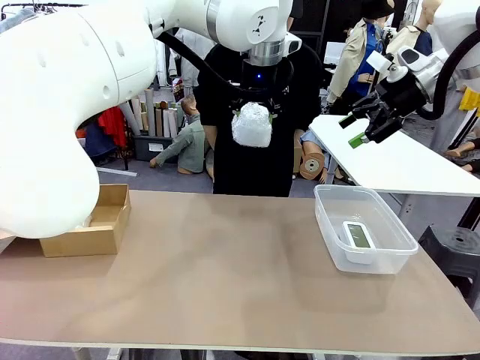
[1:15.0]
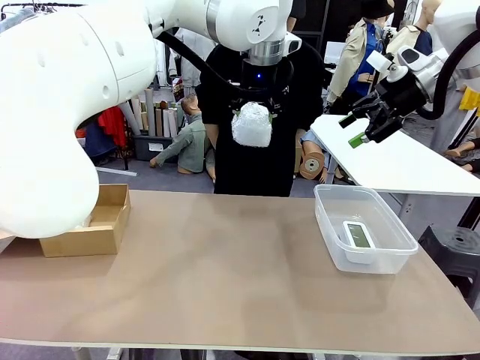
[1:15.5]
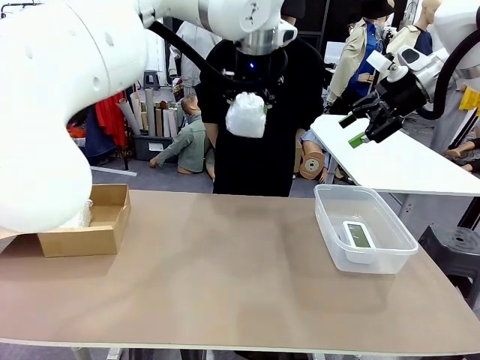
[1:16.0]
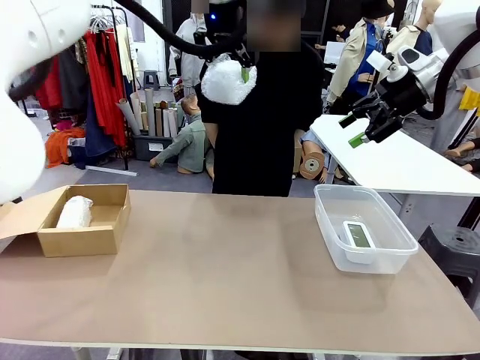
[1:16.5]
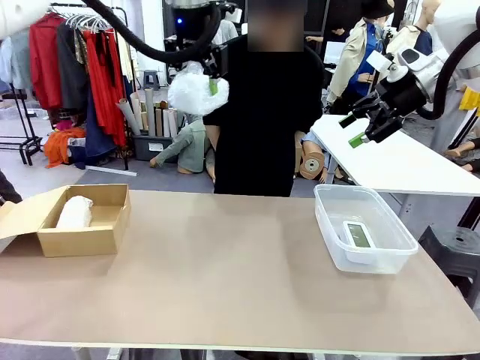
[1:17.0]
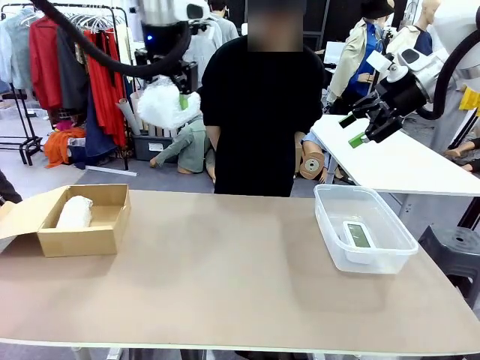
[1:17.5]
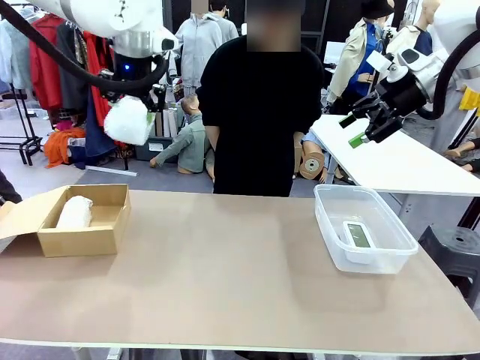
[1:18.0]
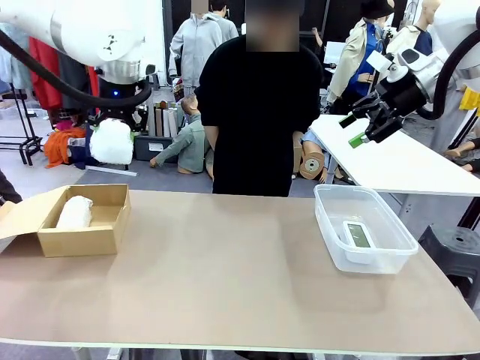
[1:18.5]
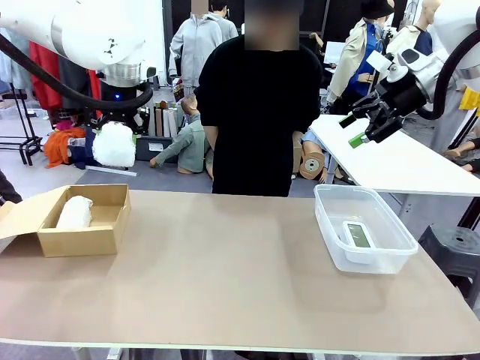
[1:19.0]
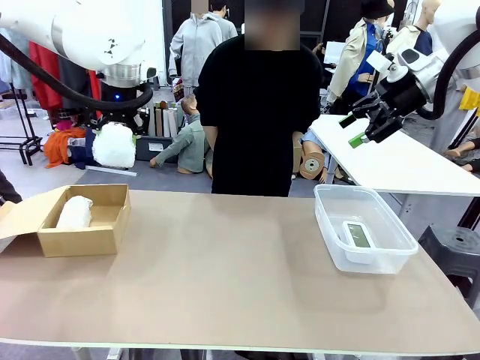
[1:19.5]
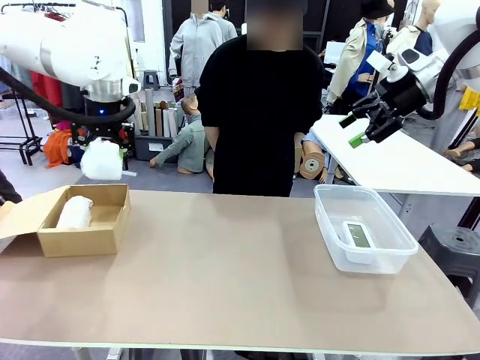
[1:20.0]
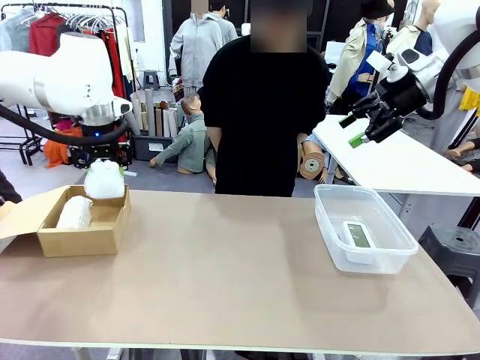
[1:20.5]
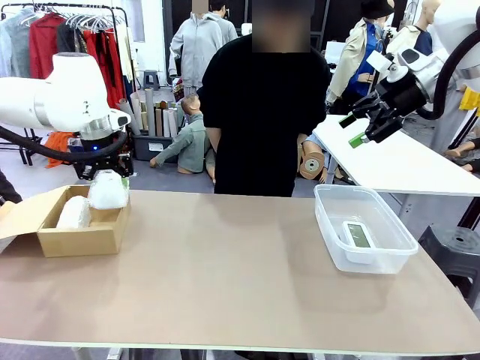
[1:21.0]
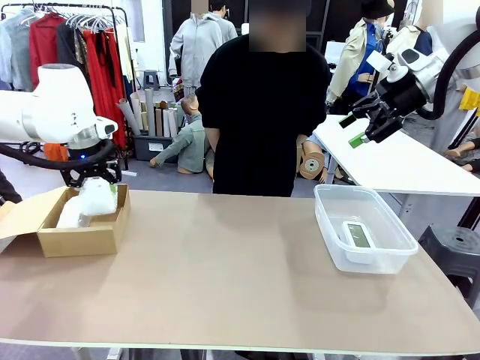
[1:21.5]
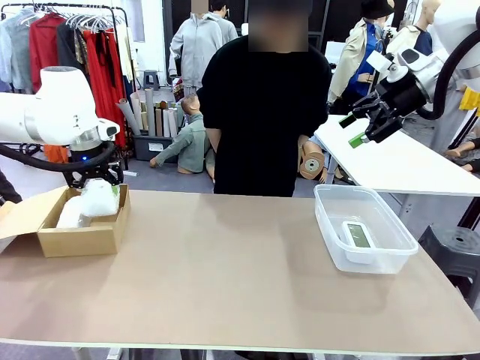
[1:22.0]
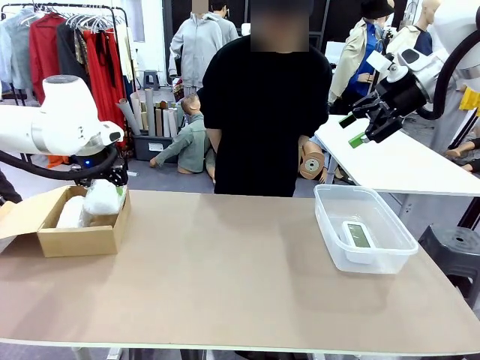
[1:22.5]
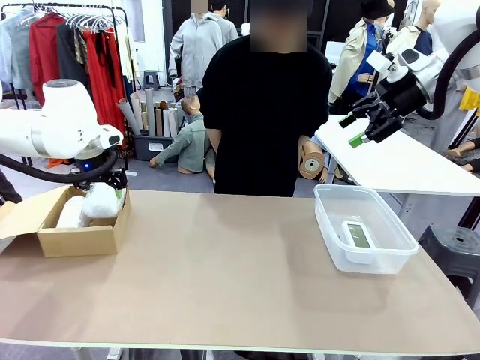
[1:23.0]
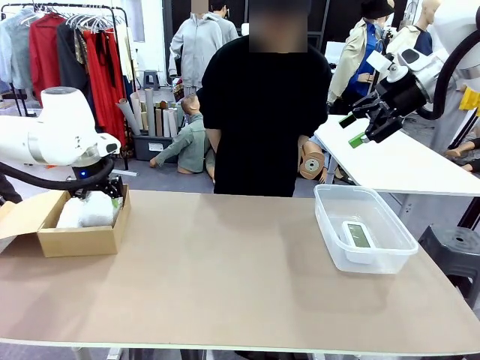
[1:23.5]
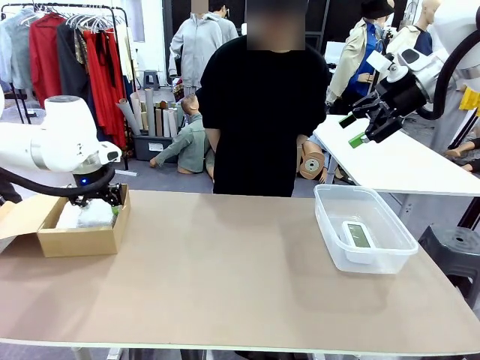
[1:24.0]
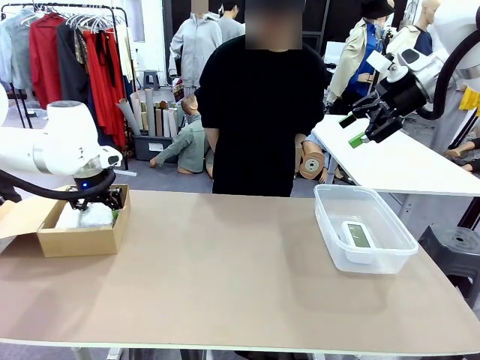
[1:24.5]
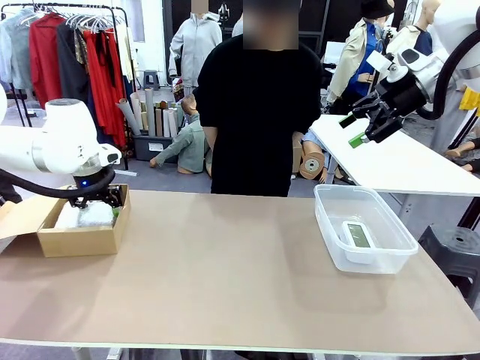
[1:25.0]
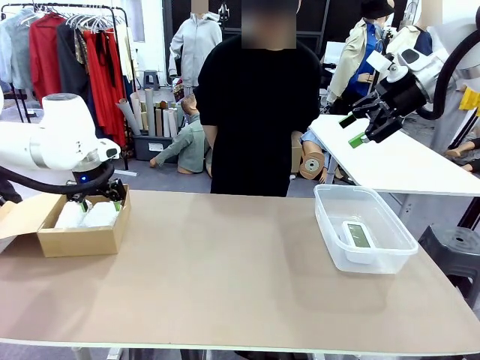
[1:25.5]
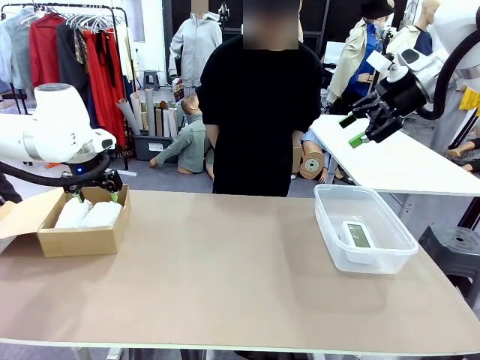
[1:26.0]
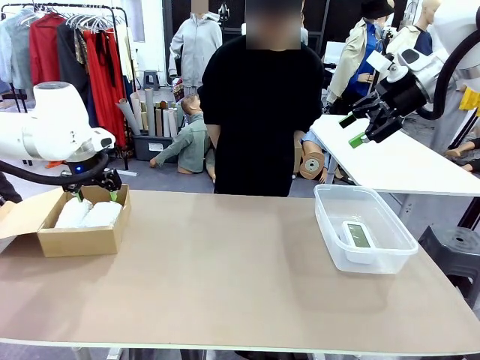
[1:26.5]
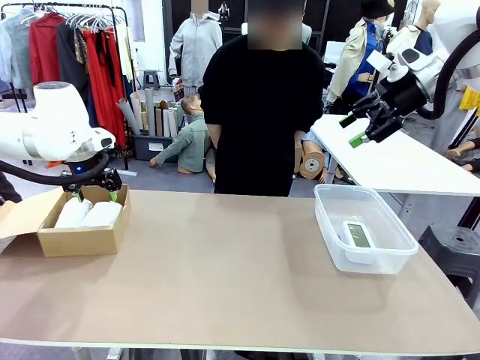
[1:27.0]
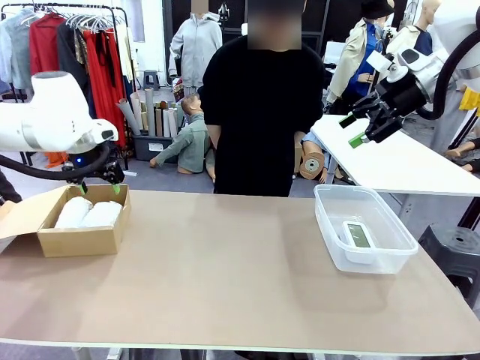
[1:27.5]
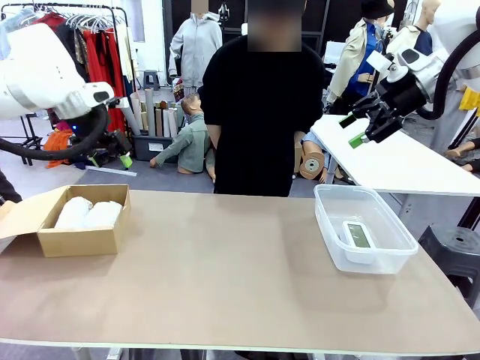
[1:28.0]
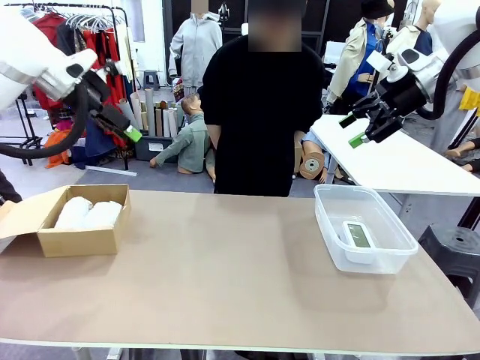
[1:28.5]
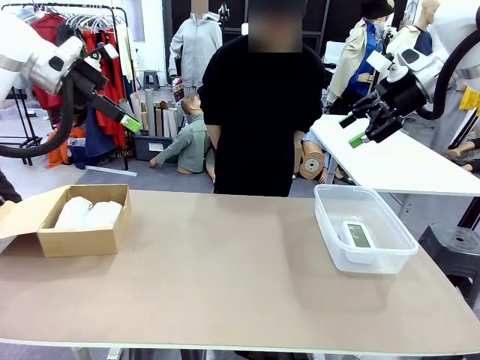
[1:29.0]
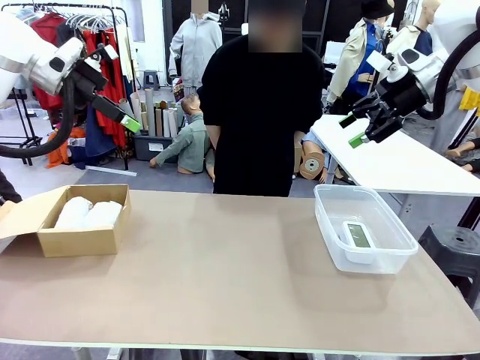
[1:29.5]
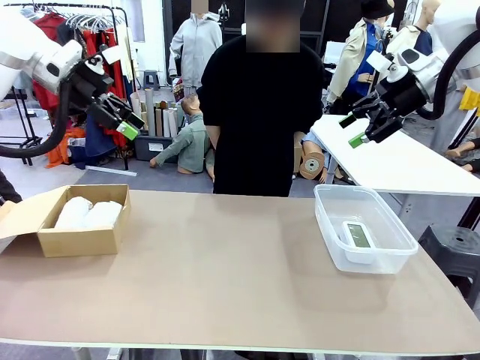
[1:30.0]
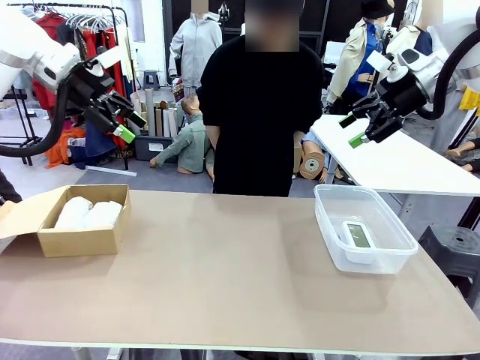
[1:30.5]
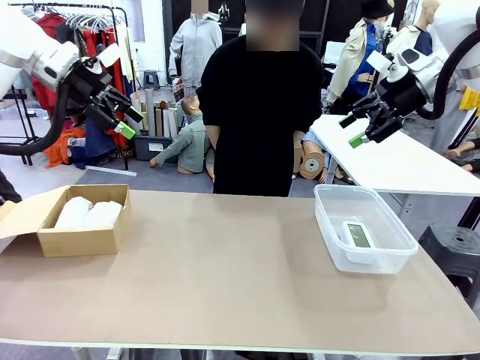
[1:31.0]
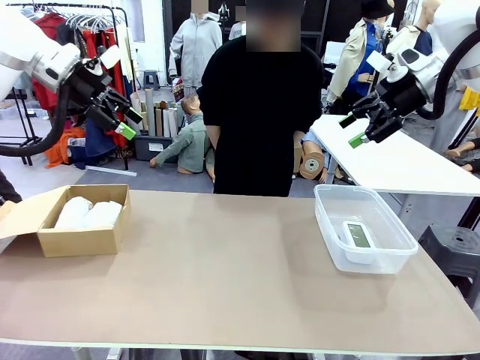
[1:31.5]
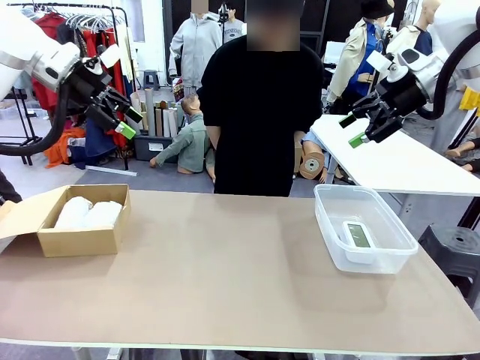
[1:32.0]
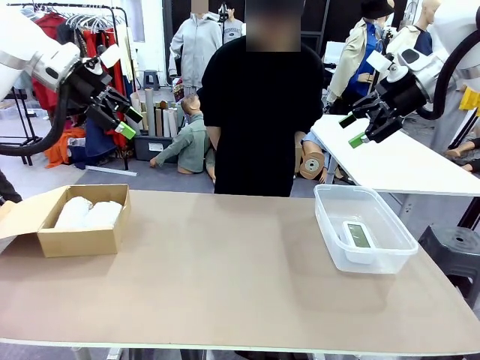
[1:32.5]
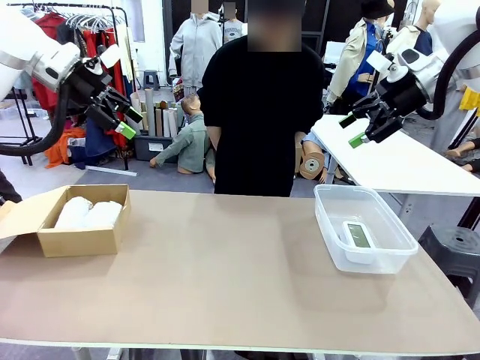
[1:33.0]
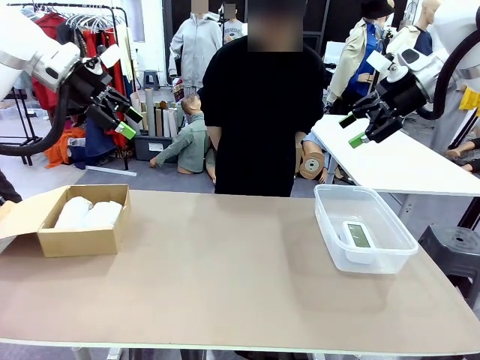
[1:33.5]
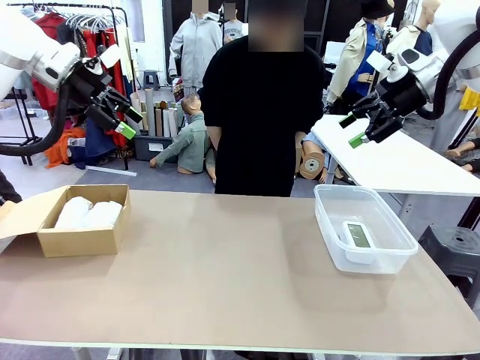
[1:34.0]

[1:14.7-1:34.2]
Task: Separate and place wrapped and unwrapped clocks.
Robot: If the picked Digital clock is wrapped, place it in the Package Box ; if not, place it in the Organizing box.

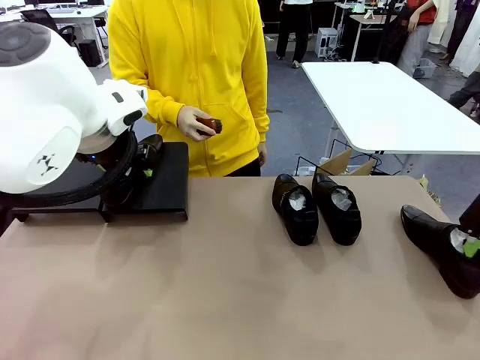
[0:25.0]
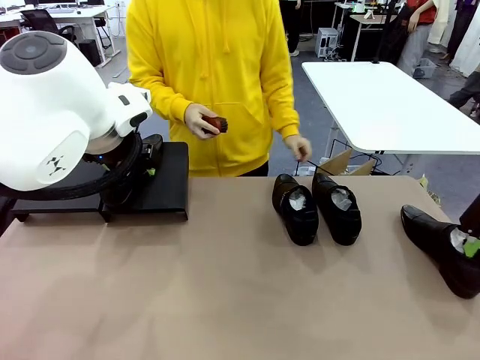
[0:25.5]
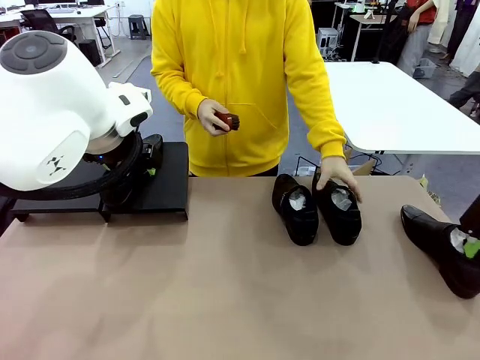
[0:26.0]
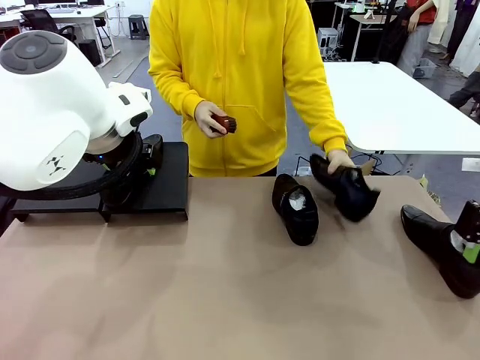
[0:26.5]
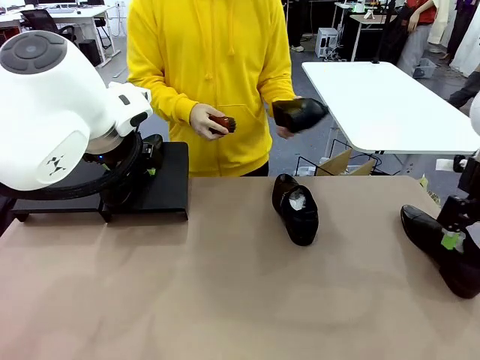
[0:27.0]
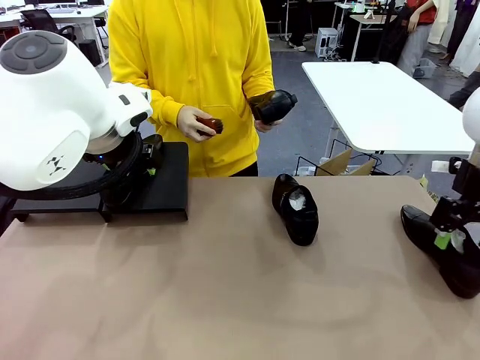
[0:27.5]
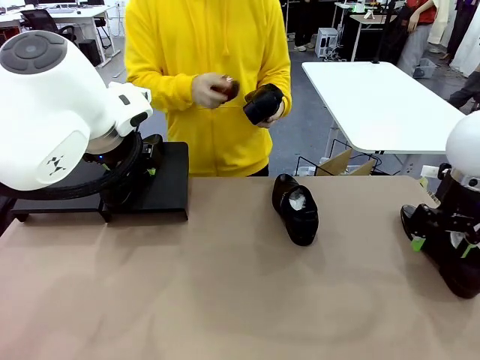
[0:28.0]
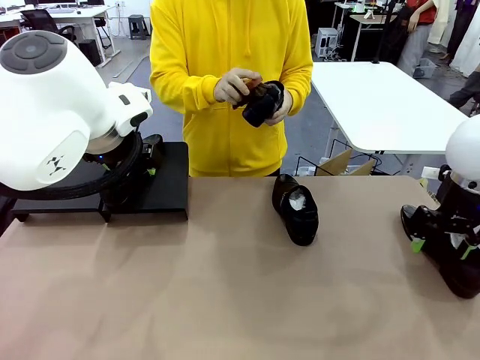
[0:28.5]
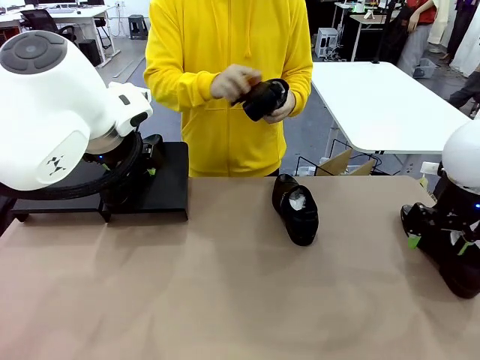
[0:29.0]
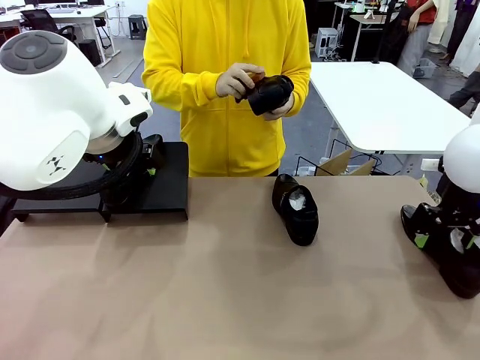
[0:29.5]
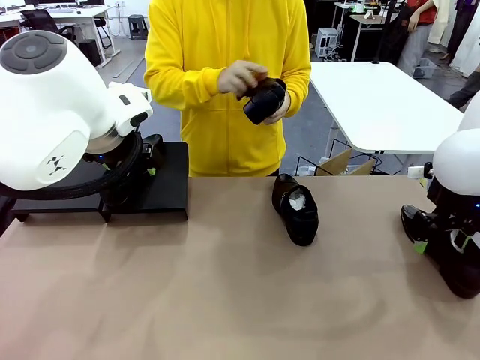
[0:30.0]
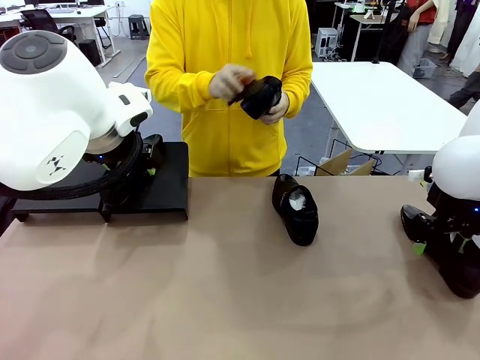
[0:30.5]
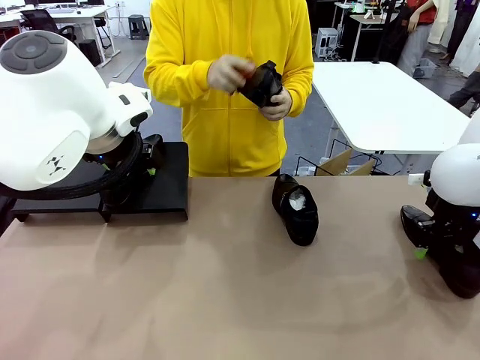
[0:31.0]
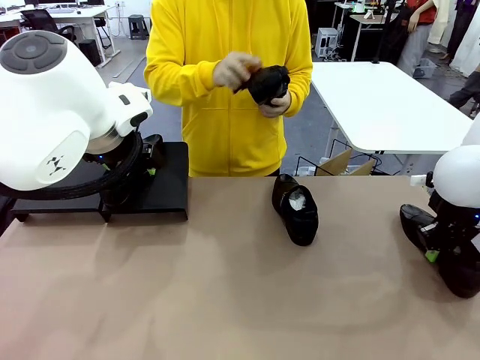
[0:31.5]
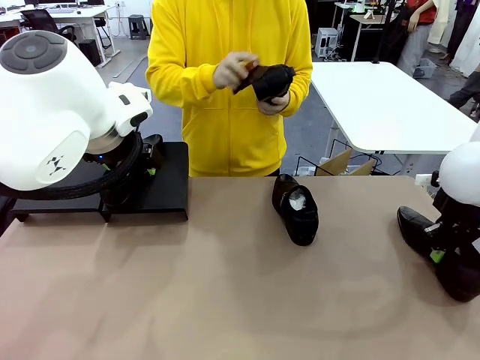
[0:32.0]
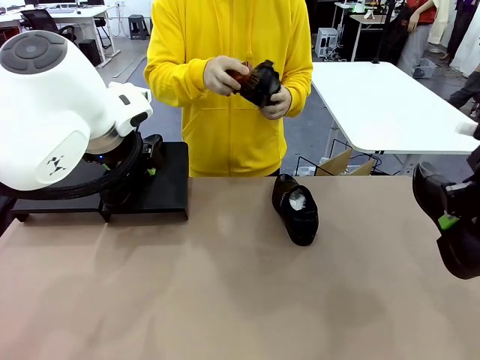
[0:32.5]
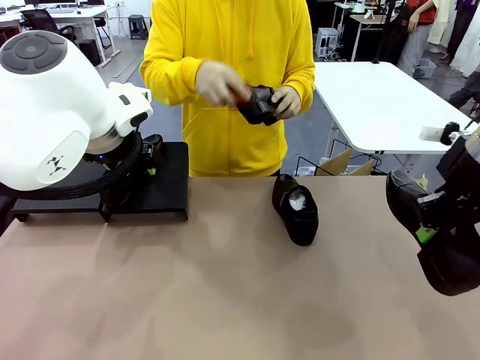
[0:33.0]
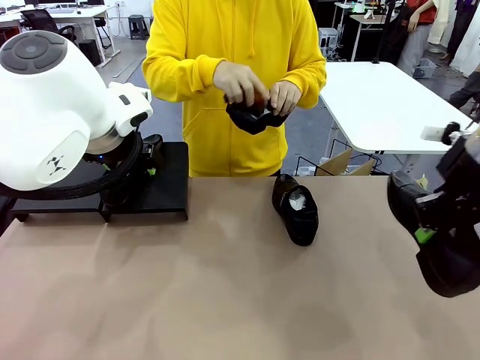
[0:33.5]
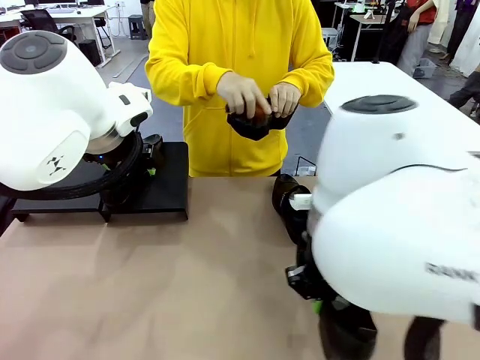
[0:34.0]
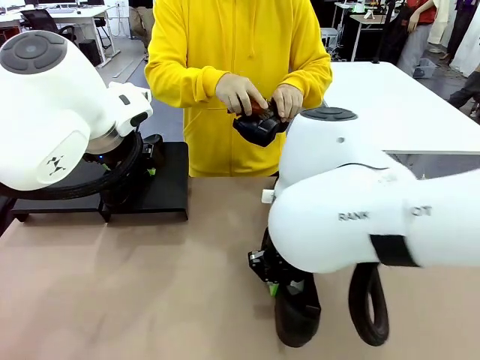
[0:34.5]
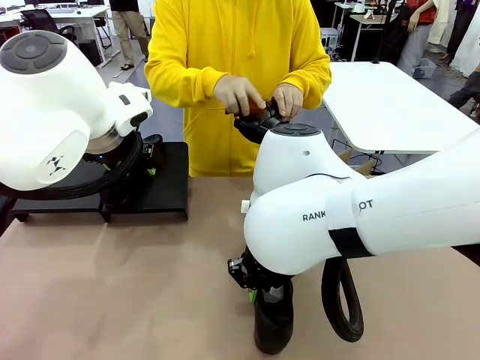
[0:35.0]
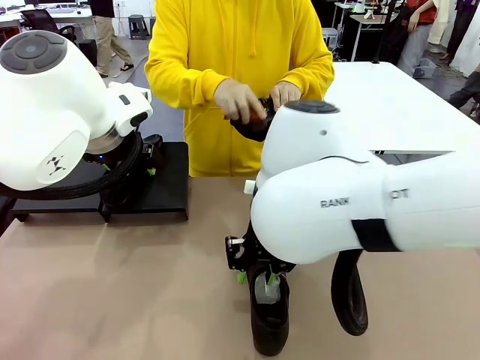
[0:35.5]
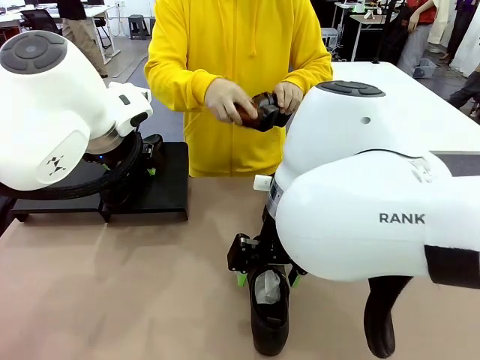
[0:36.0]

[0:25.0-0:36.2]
Task: Organize the shoes by placing them on the stand.
Robot: Pick up one Shoe and place it in the middle of the table.
Person: Pick one Shoe on Robot's table.
